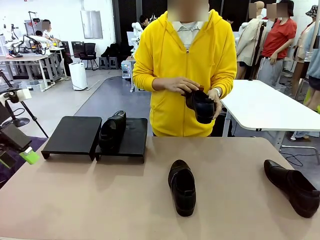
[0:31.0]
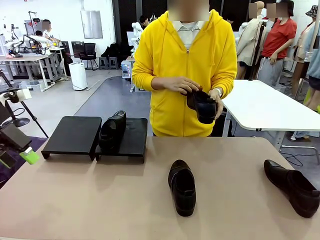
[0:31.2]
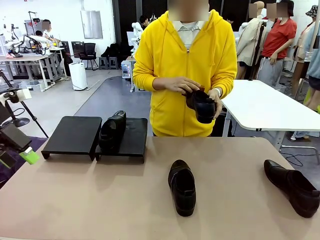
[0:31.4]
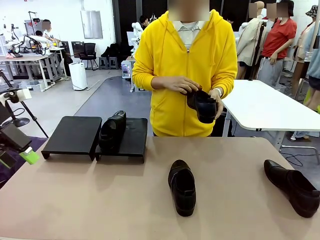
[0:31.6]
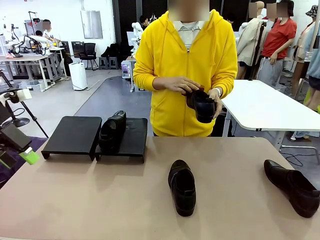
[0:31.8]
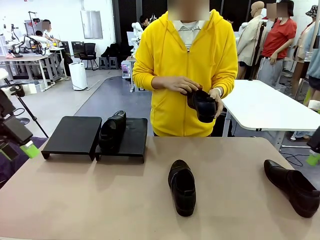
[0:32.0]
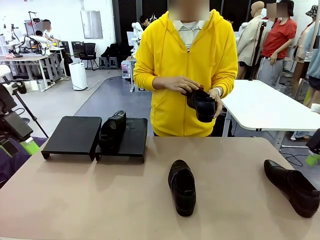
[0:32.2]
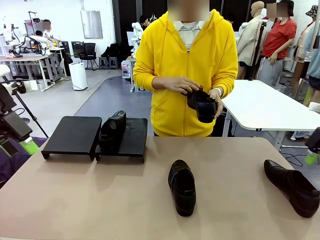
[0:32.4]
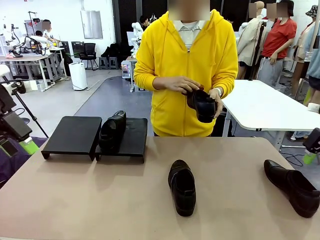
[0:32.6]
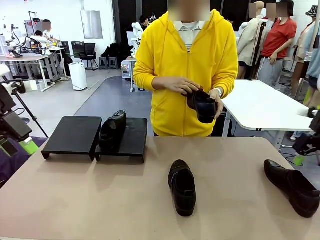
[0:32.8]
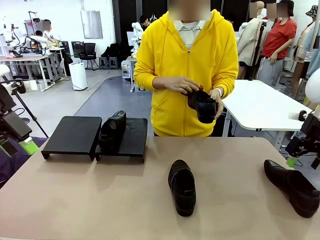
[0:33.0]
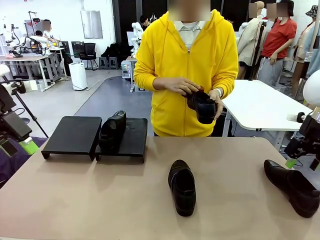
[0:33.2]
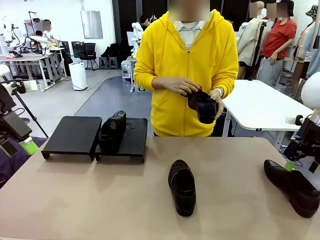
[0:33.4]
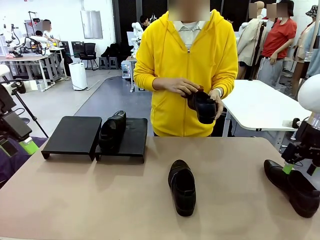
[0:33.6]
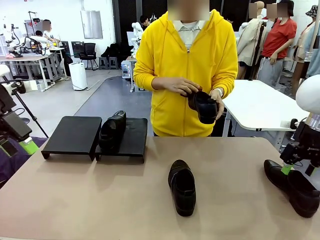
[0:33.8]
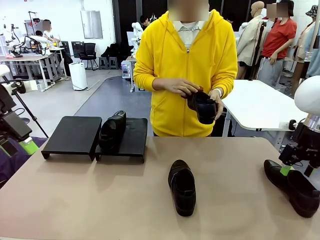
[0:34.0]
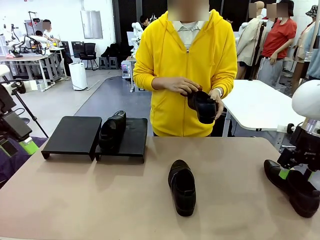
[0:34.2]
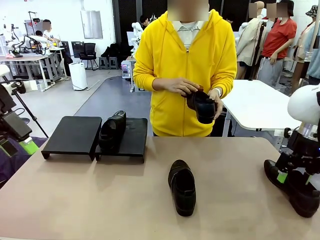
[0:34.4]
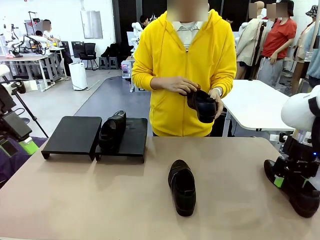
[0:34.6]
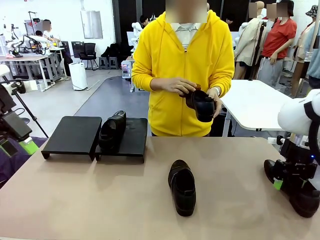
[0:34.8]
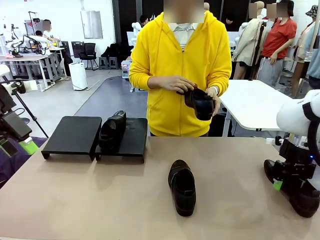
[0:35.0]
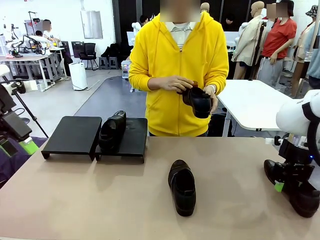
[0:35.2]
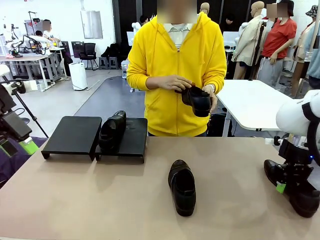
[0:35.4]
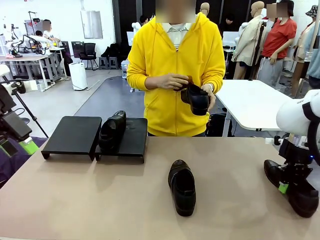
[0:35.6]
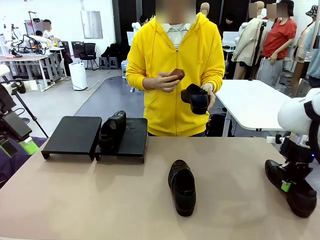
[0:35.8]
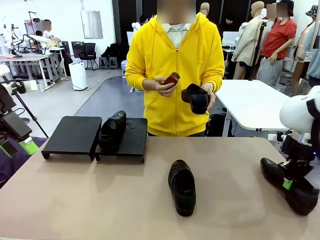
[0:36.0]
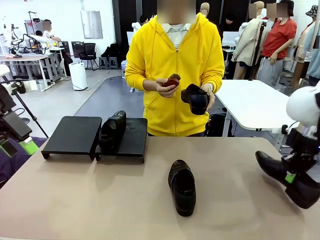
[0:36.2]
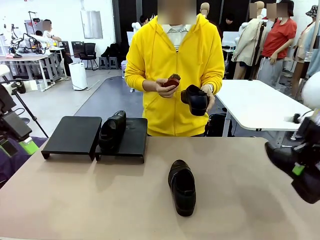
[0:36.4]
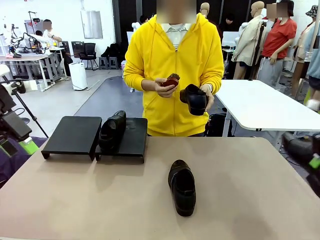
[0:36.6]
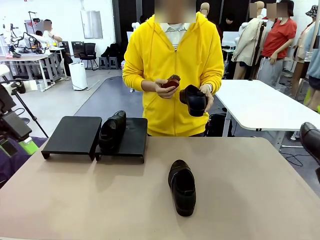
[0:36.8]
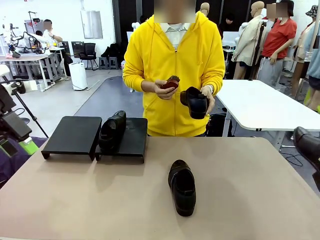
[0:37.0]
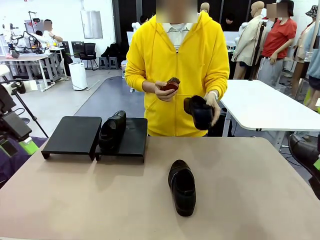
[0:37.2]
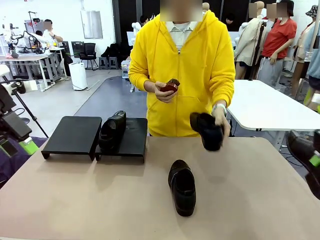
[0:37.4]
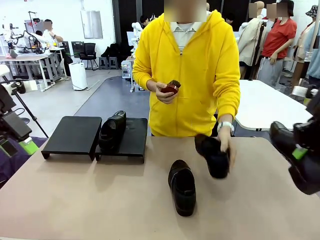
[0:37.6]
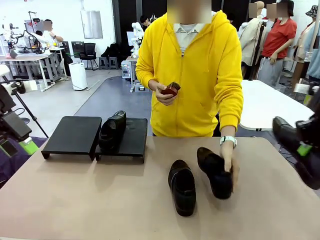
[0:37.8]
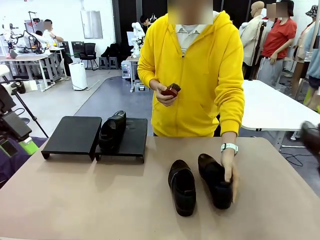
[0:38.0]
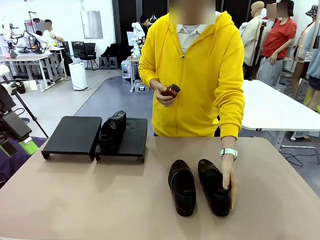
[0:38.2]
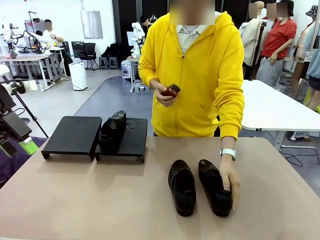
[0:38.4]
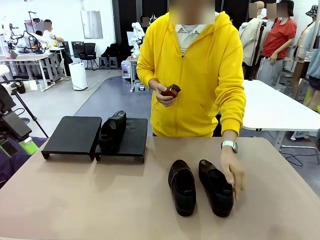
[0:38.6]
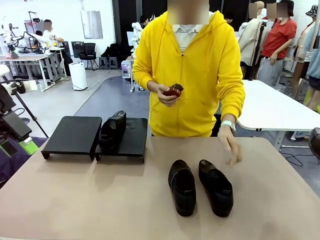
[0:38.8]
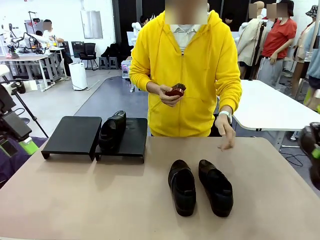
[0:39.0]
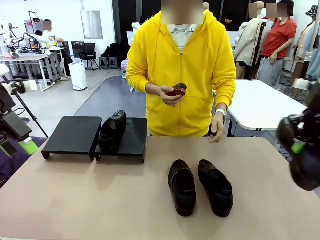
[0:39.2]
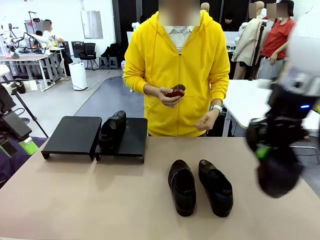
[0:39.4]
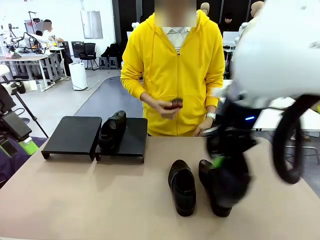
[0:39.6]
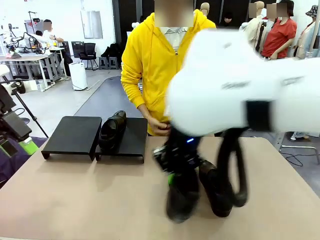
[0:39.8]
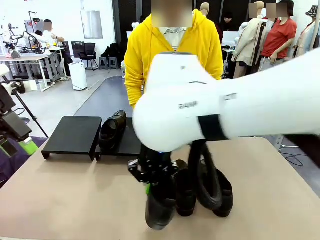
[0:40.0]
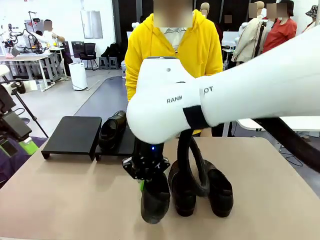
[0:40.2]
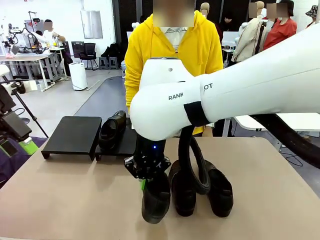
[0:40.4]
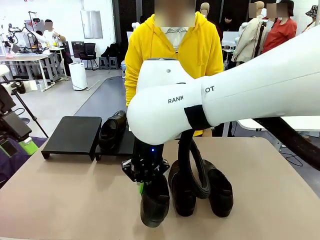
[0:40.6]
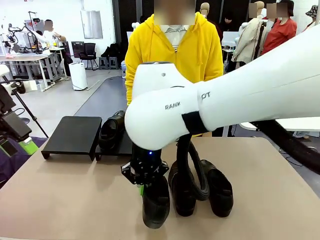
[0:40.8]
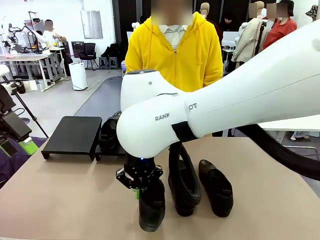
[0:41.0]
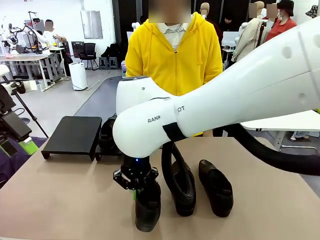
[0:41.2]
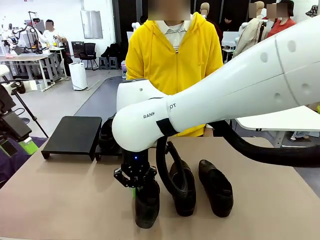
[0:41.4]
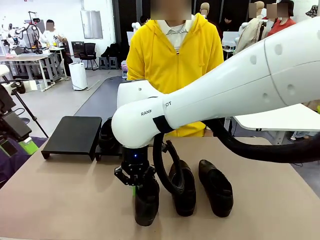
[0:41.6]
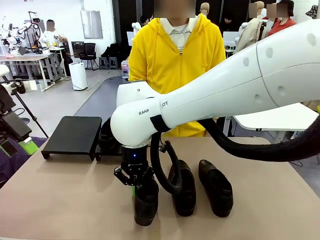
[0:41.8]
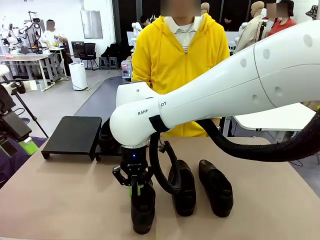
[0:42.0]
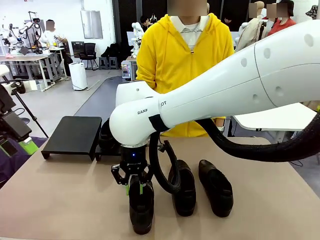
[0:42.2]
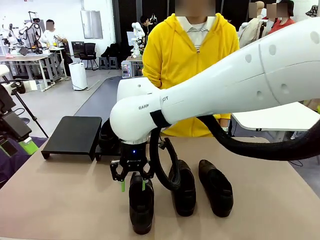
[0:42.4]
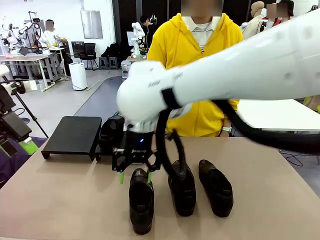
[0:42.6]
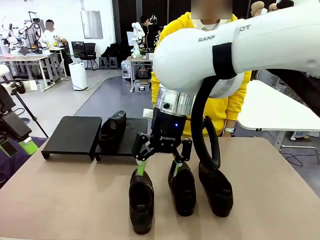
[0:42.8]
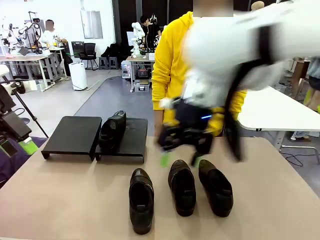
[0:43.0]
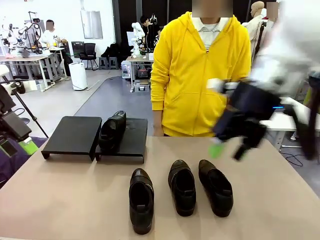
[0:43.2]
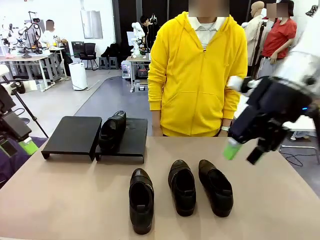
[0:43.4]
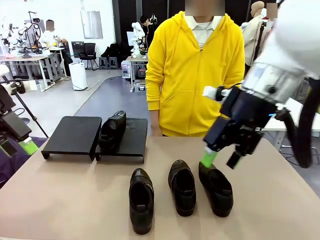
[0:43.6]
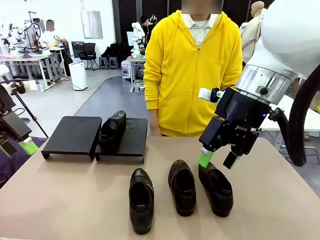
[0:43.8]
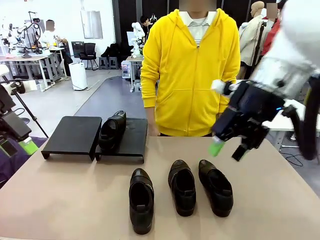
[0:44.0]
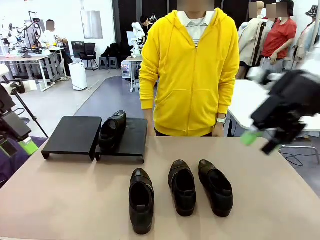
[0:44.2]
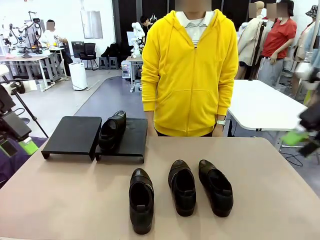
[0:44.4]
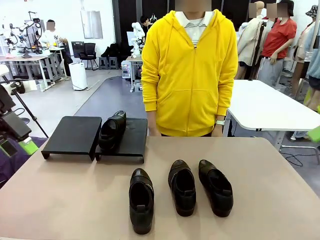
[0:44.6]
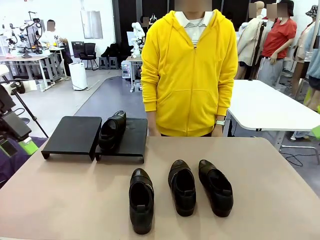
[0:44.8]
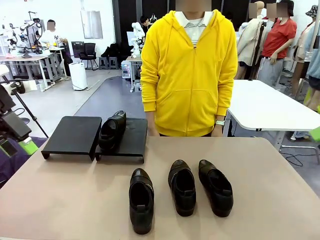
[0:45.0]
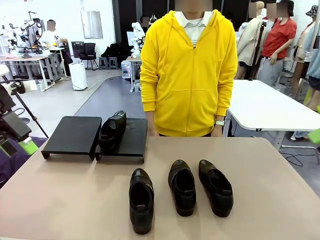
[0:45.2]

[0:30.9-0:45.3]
Task: Organize the shoes by placing them on the stand.
Robot: Pick up one Shoe and place it in the middle of the table.

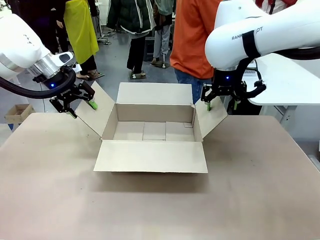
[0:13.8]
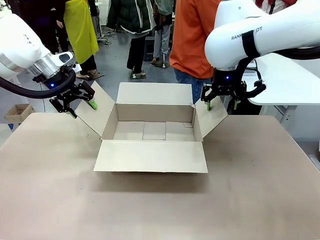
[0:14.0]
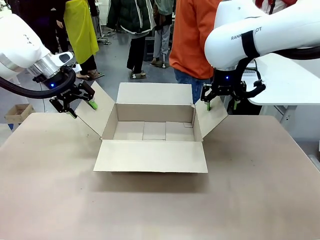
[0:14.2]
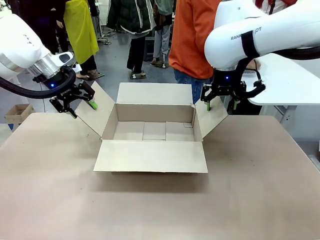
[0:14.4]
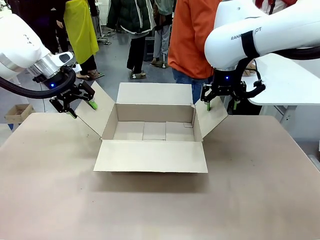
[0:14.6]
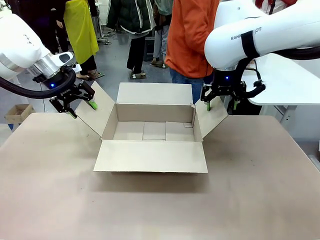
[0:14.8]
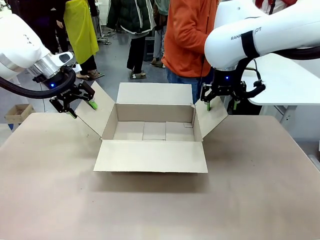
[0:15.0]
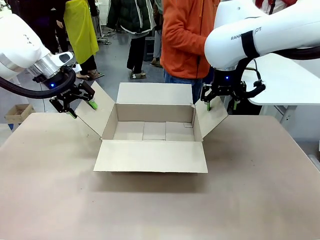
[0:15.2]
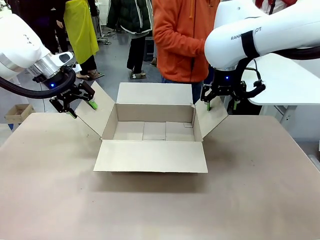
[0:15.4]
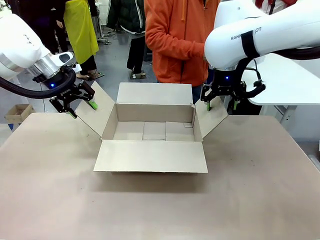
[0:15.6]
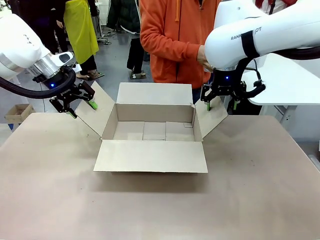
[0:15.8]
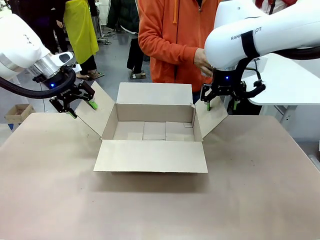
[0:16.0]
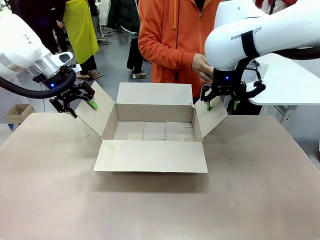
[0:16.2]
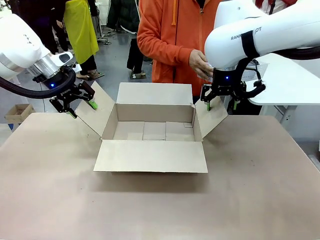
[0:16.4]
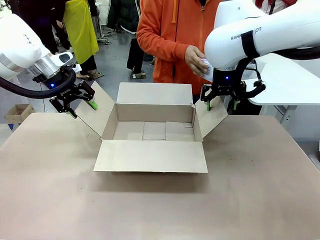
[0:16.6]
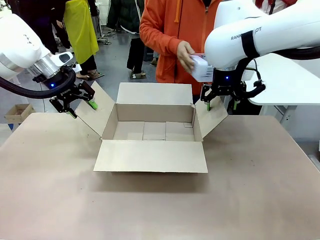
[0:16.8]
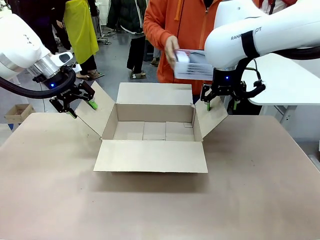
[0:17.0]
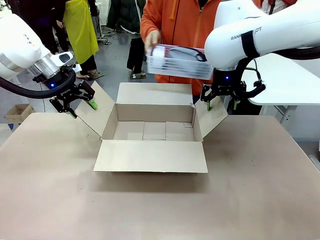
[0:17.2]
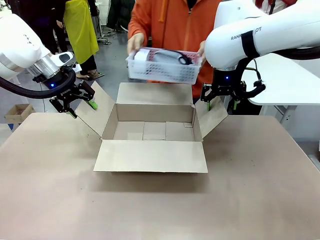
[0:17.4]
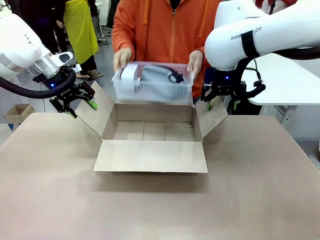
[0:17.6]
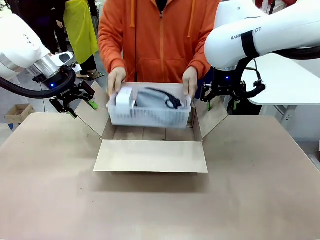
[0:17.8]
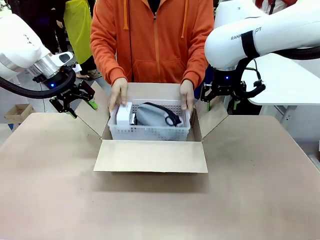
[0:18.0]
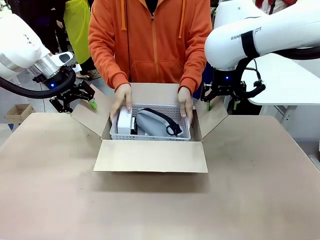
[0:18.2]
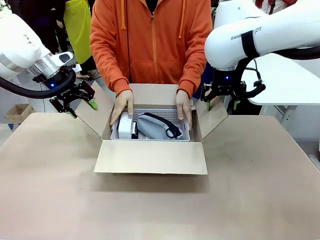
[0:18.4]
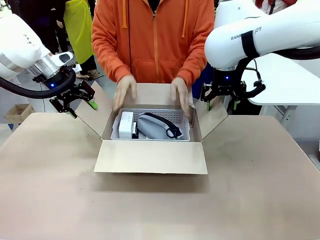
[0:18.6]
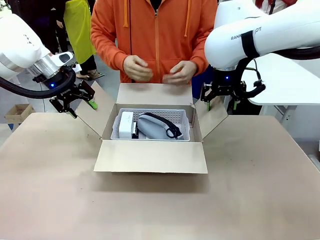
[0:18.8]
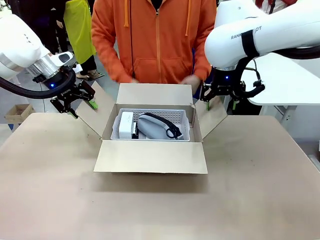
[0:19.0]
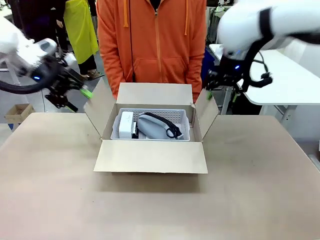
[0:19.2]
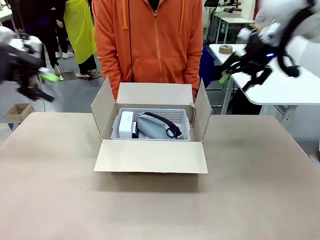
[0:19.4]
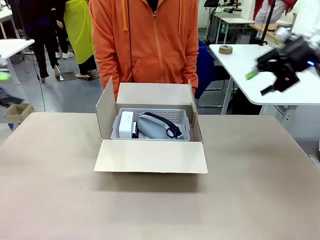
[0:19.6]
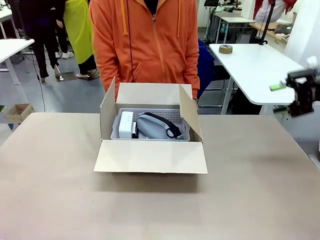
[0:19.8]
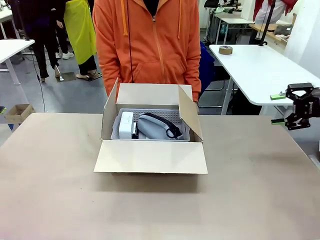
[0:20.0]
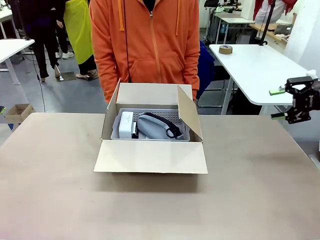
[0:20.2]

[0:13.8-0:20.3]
Task: Pack the gift set into the box.
Robot: Lift both hands away from the flaps of the Package Box.
Person: The human picks up the organizing basket and places the organizing basket into the package box on the robot table.
